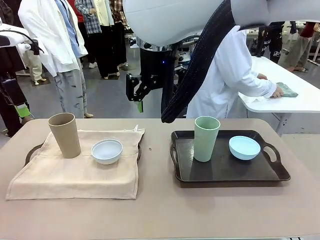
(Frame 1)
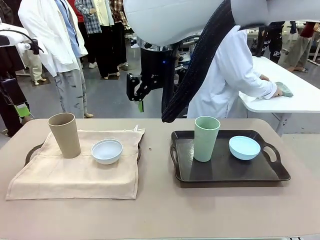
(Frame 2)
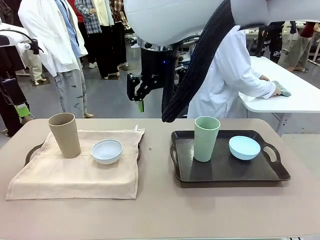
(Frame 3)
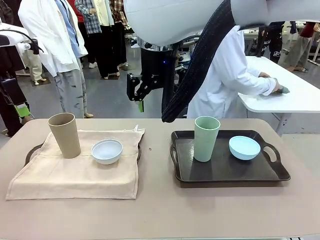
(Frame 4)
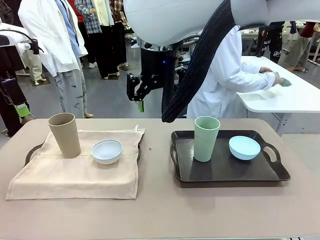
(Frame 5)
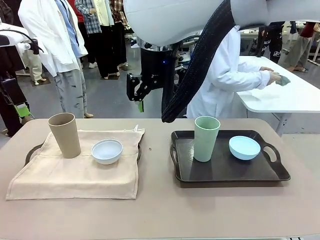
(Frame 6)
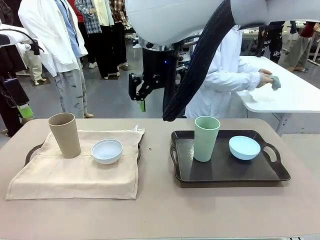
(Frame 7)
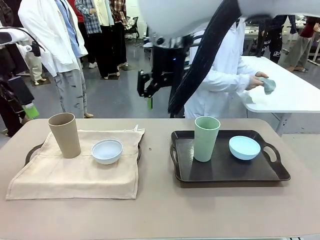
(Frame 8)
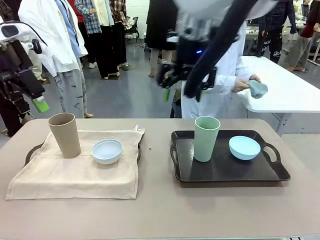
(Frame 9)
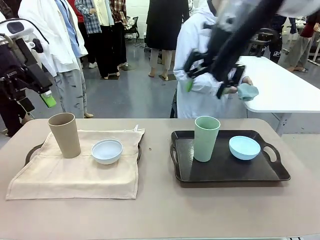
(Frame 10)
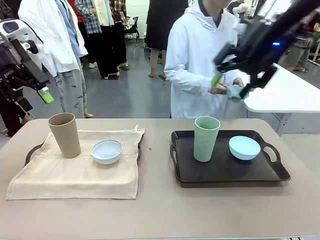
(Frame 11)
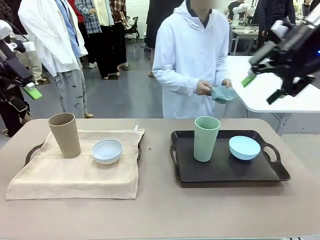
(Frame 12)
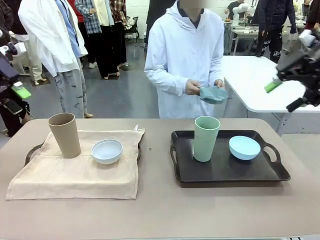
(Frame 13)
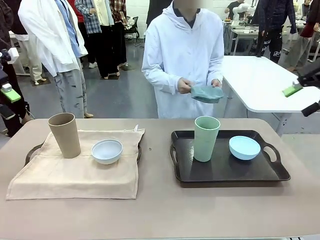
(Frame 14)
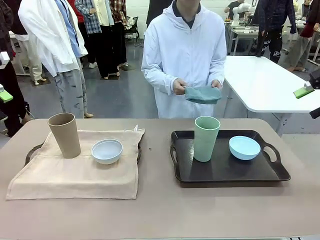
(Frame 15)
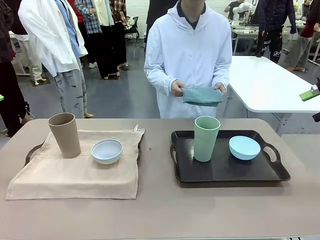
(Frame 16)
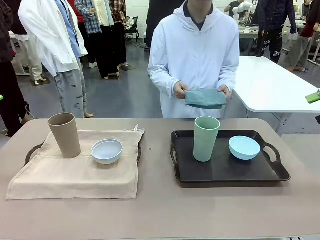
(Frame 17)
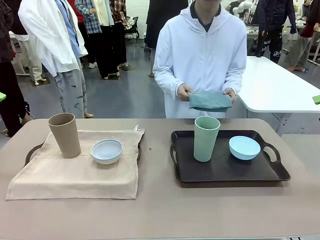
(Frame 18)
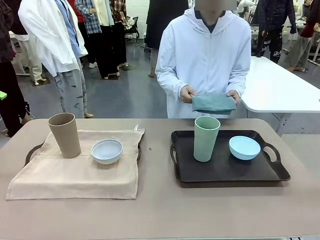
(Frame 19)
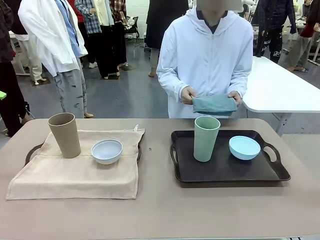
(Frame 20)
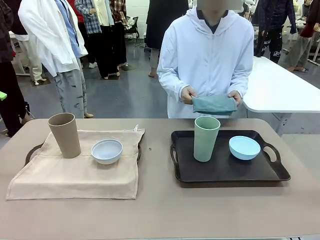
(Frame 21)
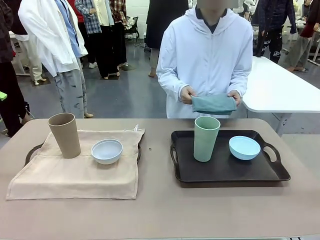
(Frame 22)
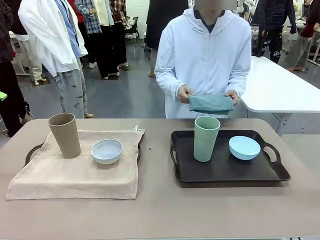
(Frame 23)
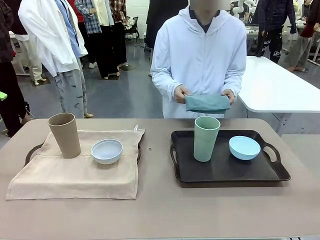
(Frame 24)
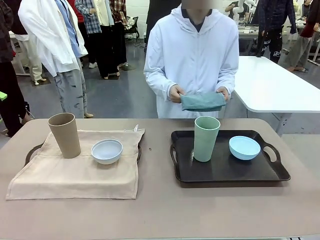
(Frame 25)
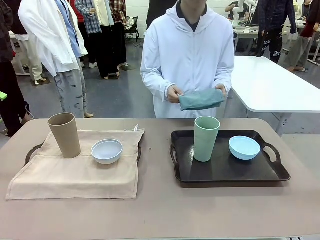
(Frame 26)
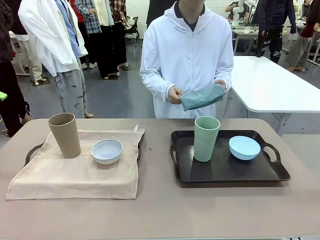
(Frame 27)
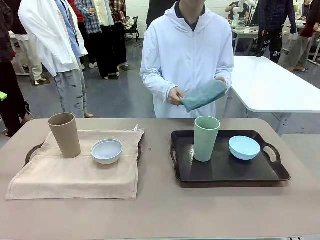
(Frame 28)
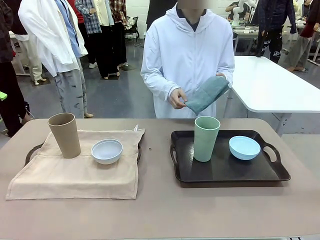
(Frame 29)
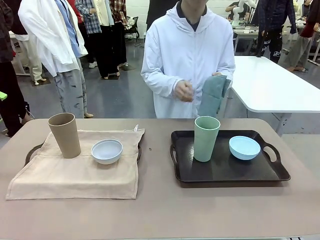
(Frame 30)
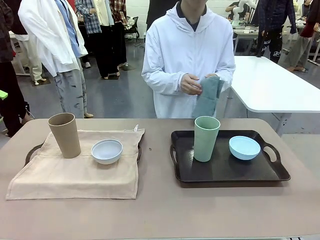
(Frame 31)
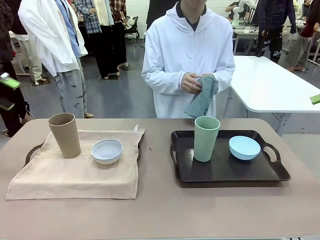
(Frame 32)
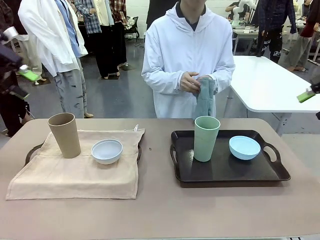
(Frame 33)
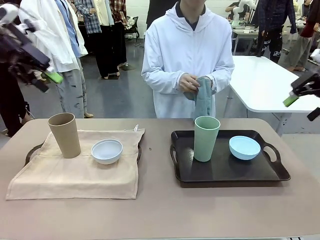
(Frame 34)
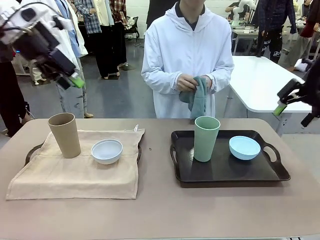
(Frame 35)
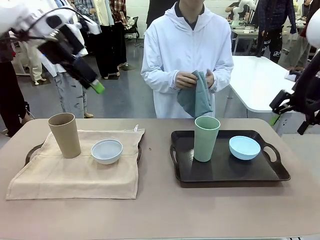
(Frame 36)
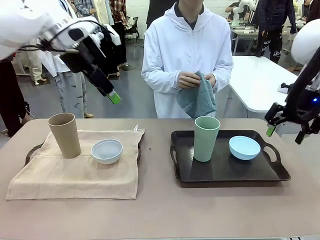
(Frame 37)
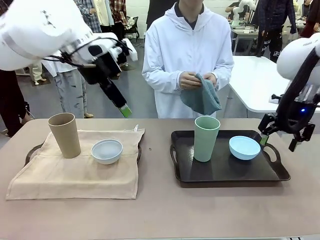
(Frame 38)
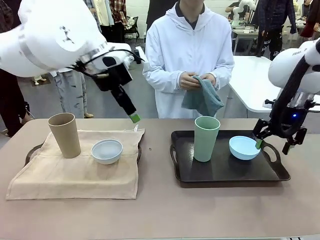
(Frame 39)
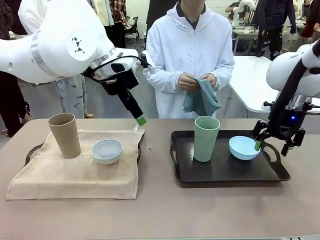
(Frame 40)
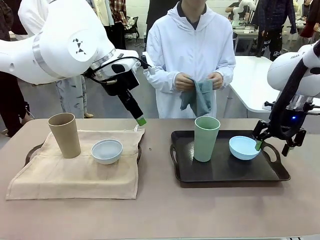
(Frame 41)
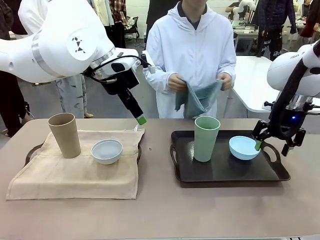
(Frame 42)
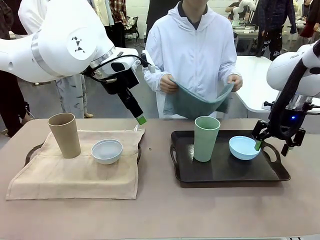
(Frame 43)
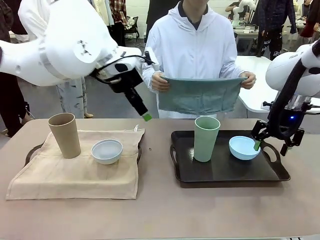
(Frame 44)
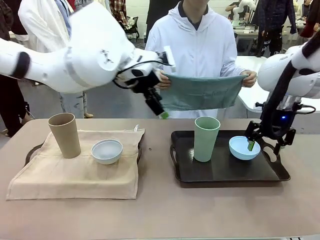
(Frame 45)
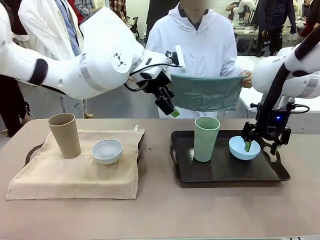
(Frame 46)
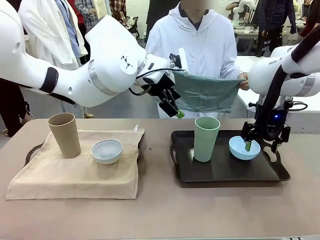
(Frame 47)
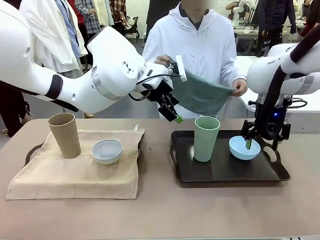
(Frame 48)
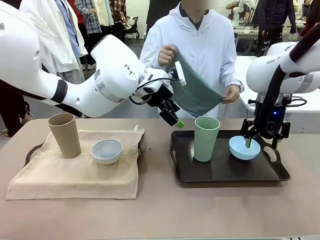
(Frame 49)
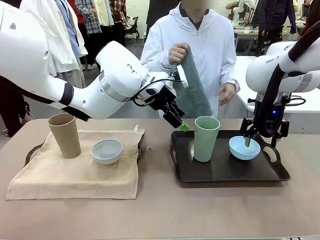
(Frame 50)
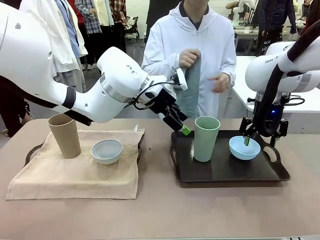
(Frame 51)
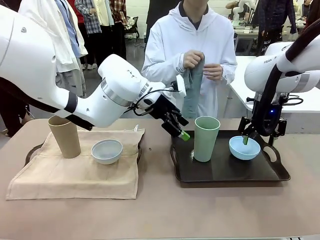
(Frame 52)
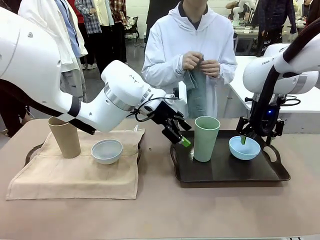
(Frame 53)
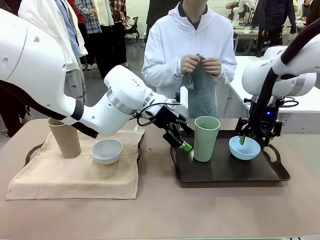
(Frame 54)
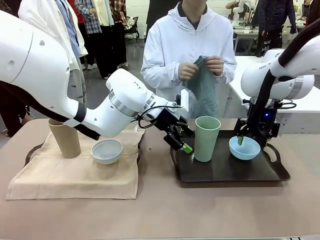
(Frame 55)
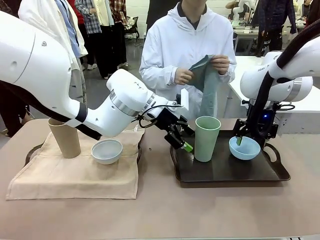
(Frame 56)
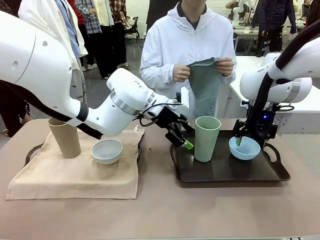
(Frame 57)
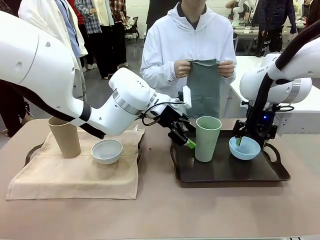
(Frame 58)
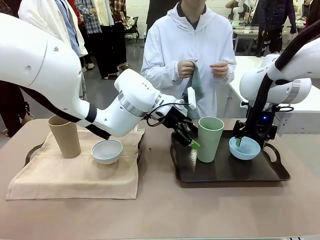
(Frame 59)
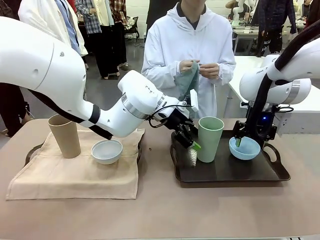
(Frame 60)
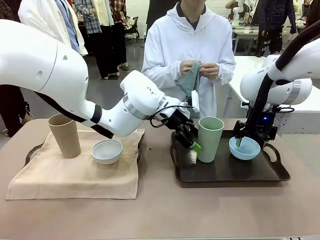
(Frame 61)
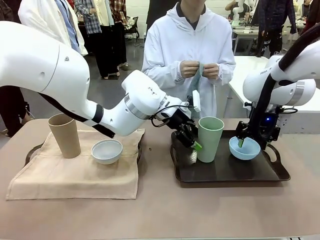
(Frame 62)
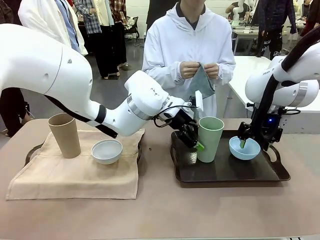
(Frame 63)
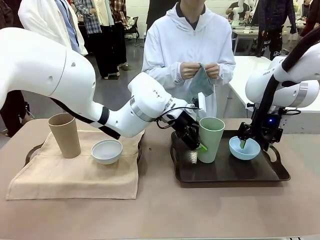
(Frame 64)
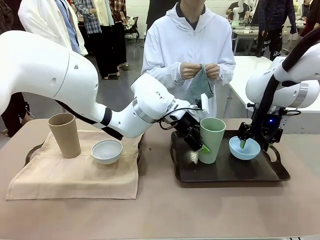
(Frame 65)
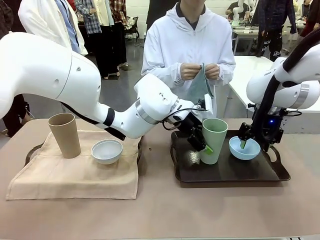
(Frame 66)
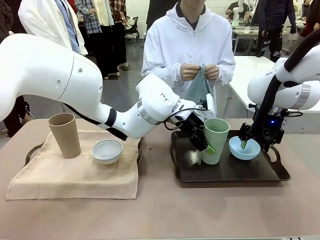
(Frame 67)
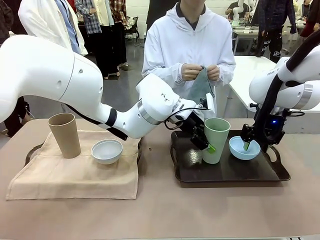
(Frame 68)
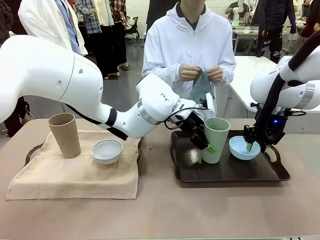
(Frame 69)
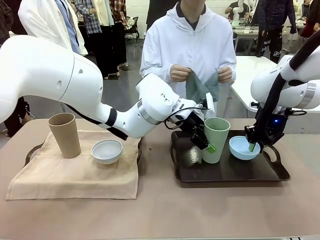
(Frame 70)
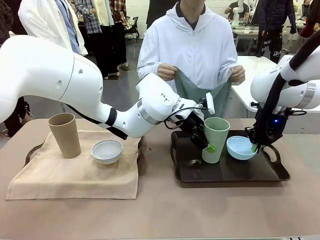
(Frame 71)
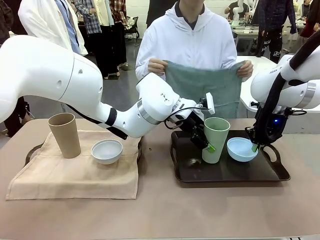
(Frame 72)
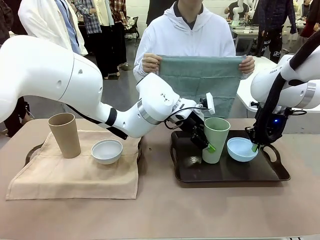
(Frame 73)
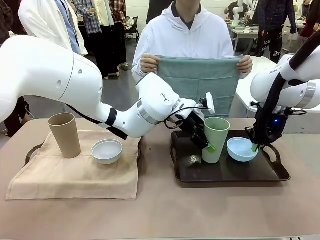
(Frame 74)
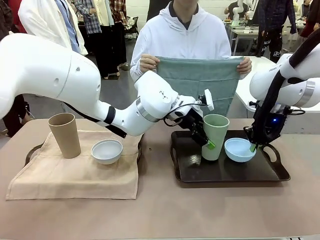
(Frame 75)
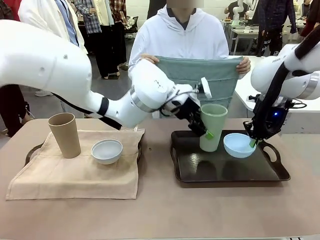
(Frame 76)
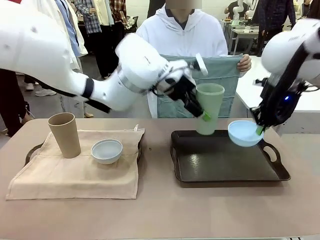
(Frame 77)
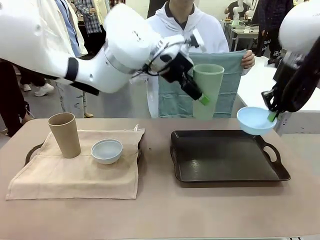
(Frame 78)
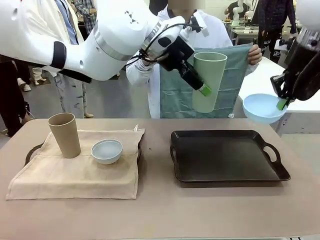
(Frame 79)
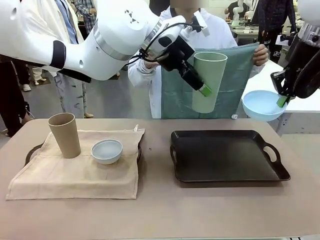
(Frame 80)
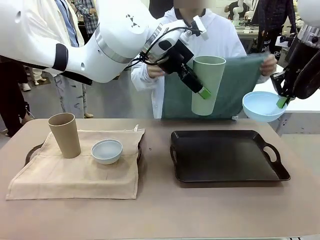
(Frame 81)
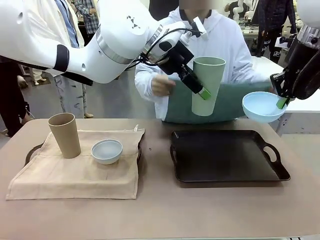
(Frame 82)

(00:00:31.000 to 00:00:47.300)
Robot: Pick up the Picnic Bowl and Reusable plastic cup from the Handle tray in front of the human's position and hold them in the air.
